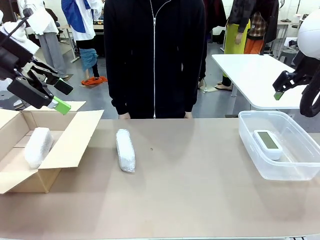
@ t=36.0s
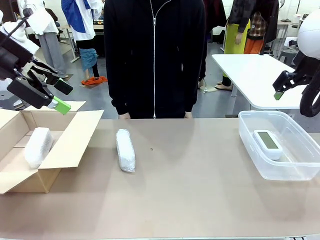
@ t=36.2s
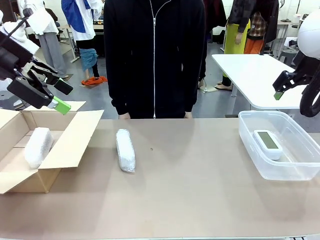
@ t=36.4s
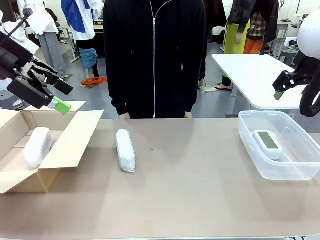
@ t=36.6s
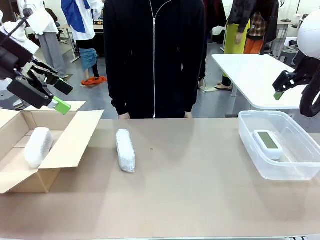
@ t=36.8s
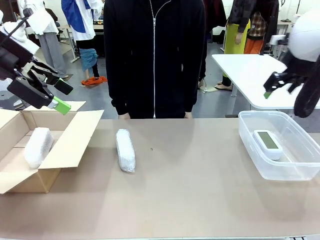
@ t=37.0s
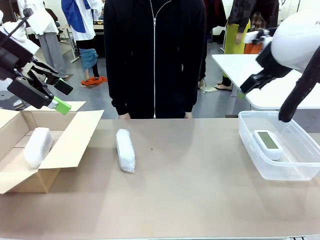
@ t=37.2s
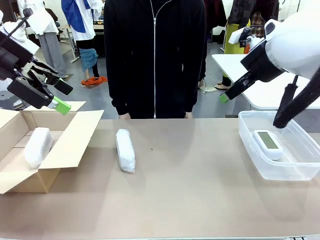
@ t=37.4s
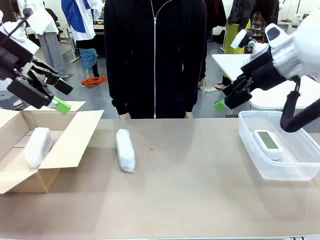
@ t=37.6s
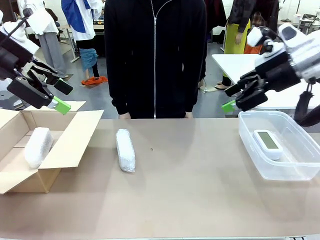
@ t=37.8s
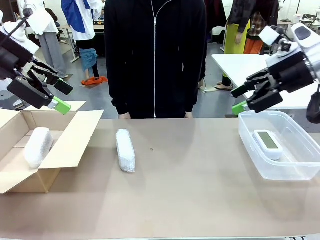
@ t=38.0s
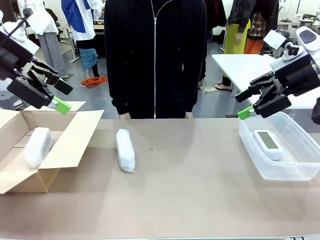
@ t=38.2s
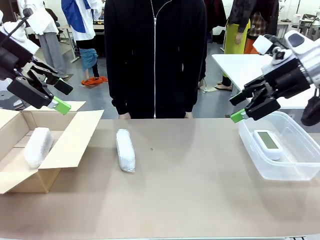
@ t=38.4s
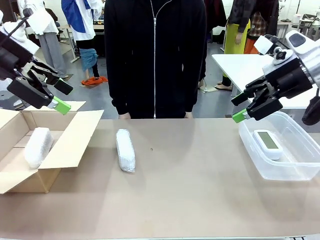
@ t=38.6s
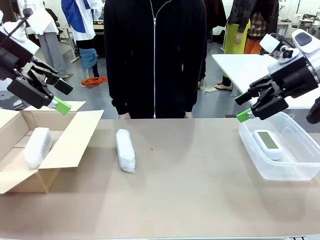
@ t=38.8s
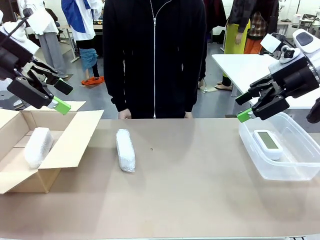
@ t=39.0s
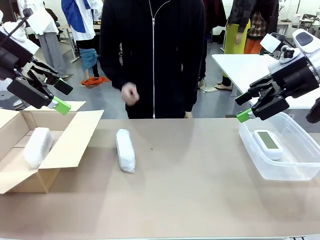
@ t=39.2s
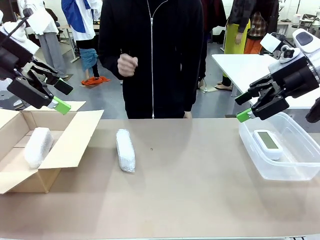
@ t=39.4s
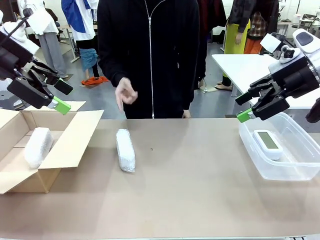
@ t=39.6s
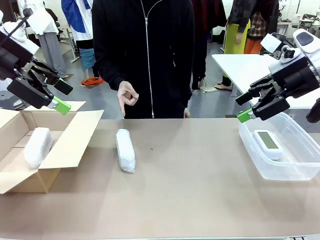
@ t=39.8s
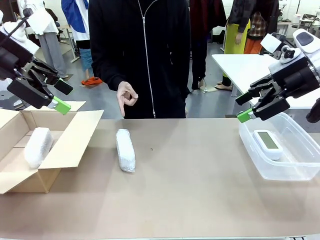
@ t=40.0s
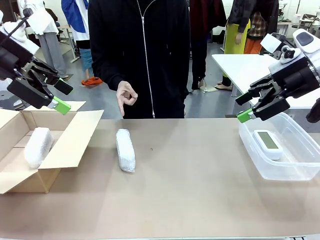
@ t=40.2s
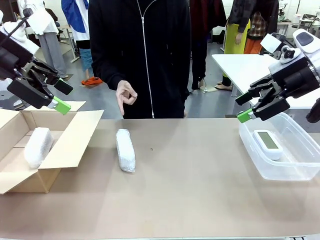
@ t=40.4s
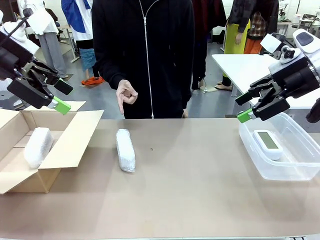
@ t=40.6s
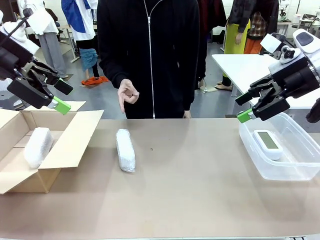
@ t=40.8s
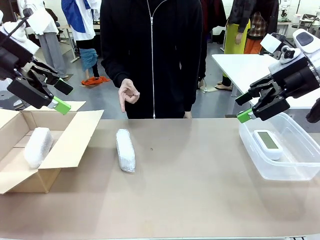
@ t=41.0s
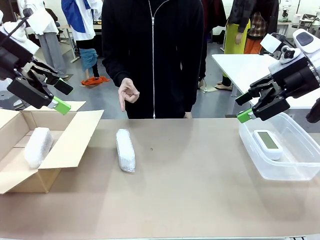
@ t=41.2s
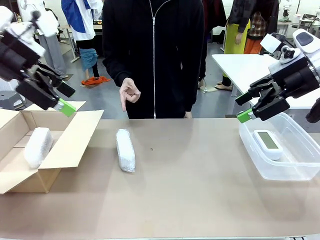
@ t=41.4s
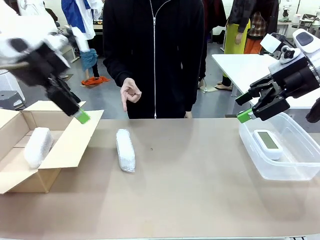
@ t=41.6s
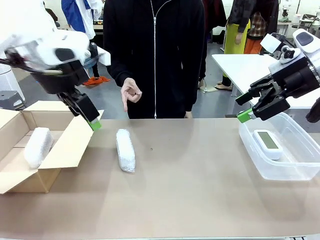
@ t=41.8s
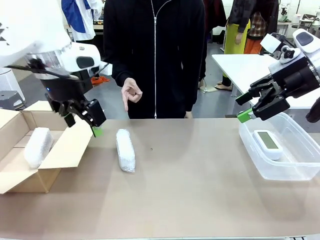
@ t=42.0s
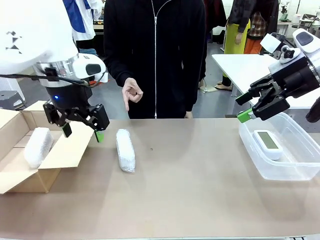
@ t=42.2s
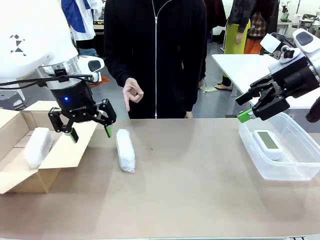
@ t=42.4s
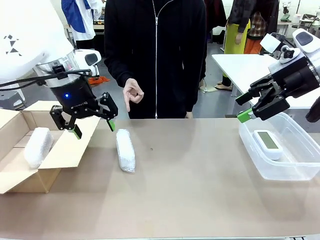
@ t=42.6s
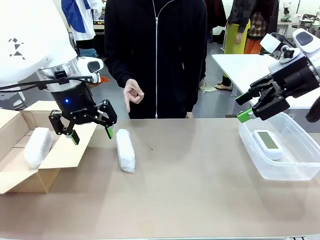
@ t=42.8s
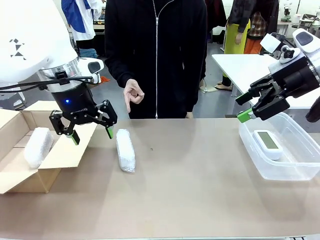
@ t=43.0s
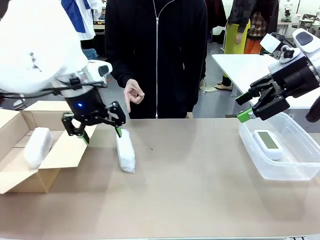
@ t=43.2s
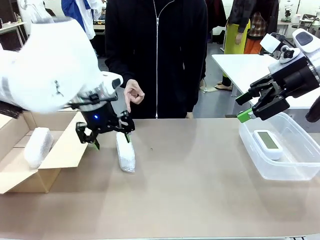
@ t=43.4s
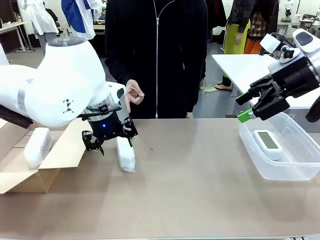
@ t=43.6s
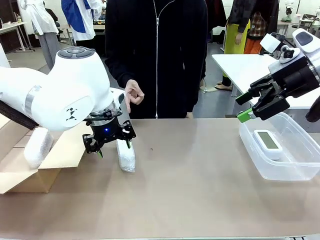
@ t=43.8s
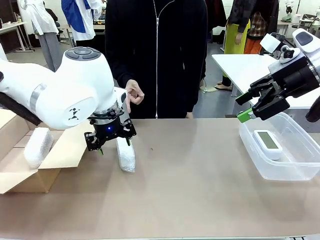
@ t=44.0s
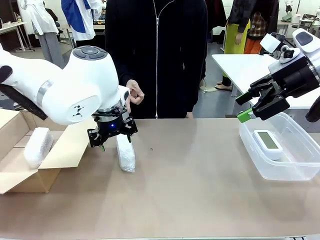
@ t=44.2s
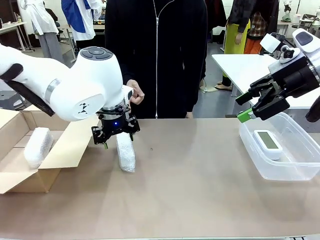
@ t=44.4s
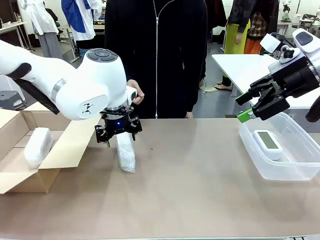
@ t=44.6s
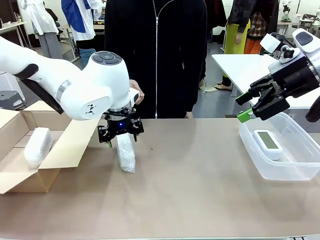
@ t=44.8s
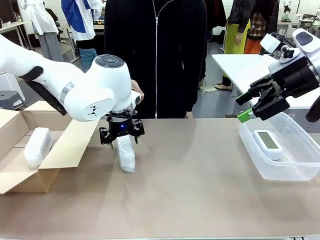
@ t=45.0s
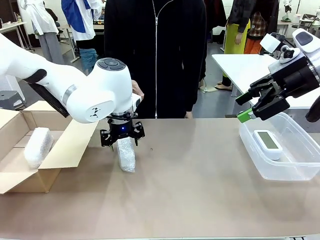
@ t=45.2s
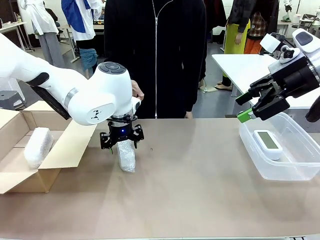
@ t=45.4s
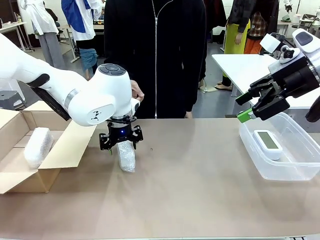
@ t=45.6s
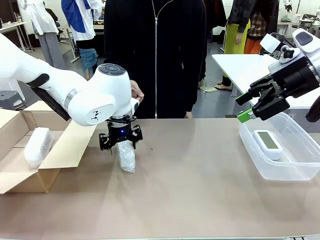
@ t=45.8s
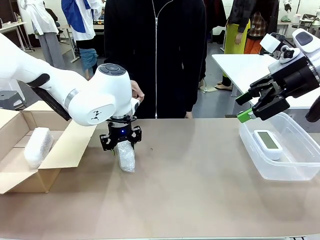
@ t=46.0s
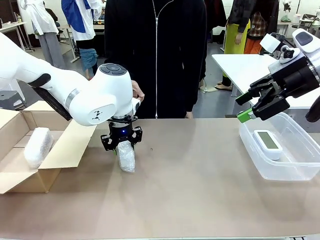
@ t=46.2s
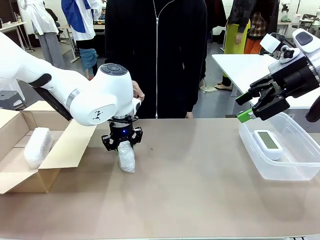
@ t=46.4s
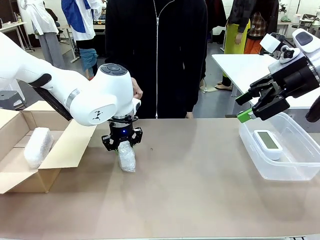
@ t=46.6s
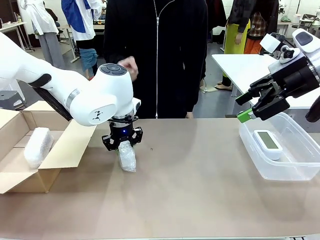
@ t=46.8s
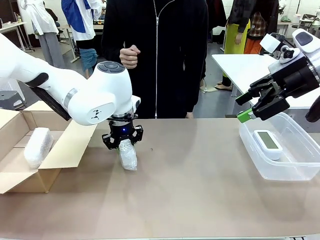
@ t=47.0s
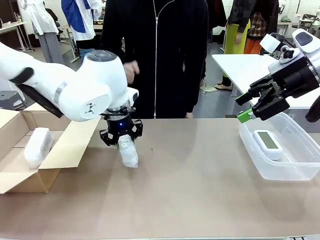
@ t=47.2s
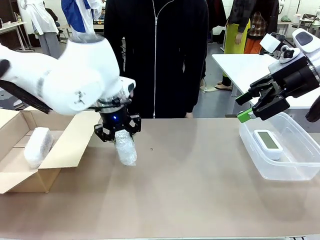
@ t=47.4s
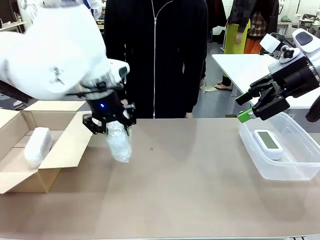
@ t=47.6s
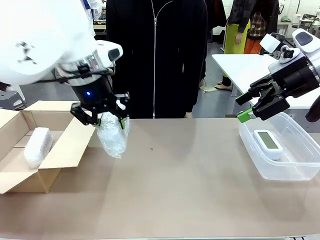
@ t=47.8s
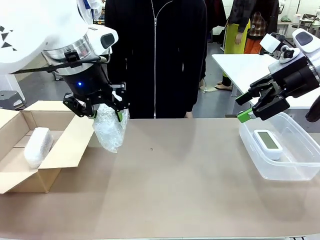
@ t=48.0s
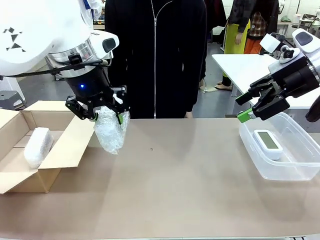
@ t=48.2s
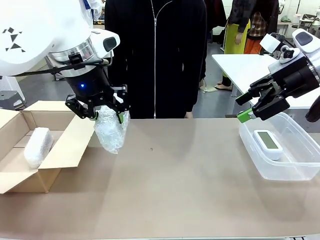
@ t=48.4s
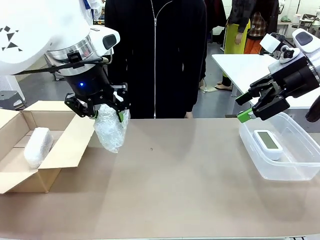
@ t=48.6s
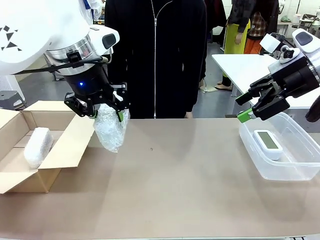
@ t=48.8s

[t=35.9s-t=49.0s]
Task: Separate and place wrapped and unwrapped clocks.
Robot: Pick up the Digital clock indicated by the person.

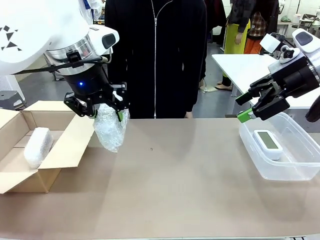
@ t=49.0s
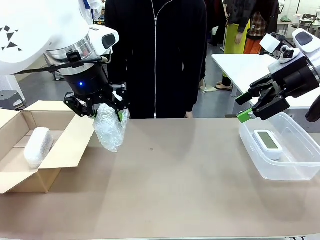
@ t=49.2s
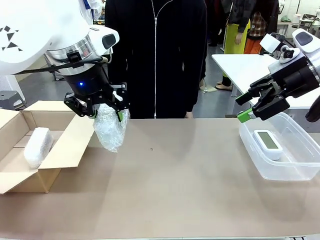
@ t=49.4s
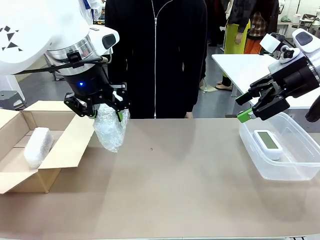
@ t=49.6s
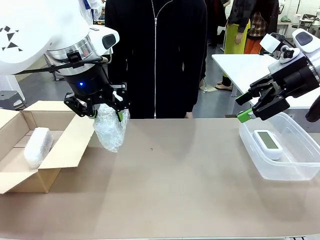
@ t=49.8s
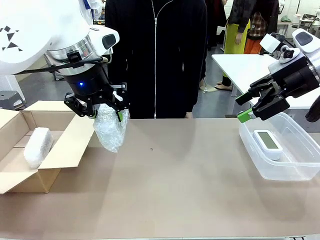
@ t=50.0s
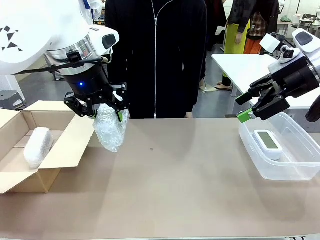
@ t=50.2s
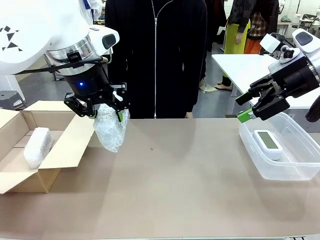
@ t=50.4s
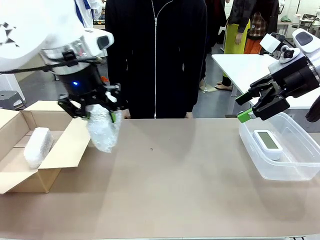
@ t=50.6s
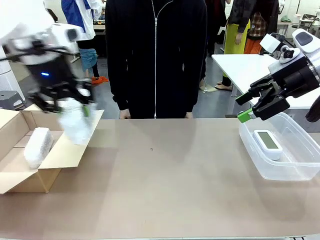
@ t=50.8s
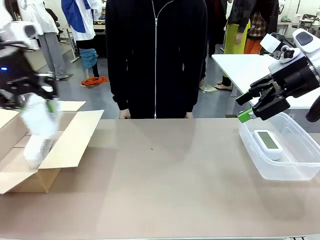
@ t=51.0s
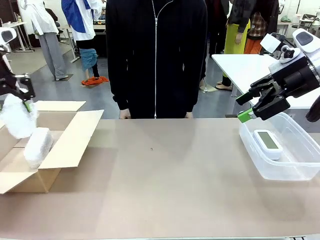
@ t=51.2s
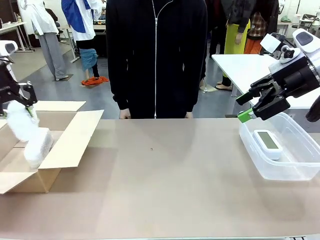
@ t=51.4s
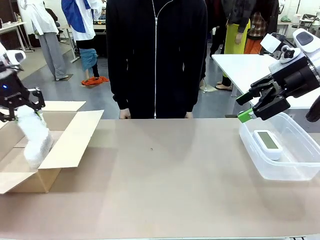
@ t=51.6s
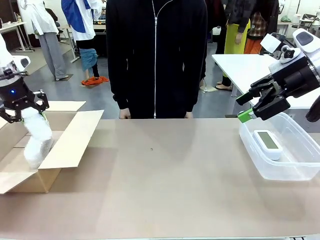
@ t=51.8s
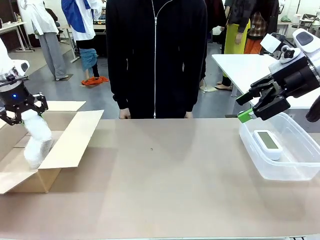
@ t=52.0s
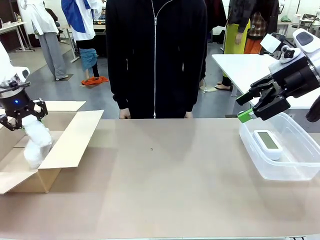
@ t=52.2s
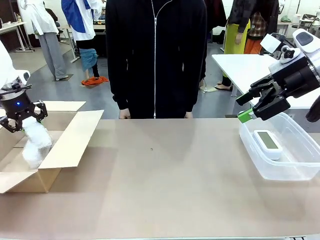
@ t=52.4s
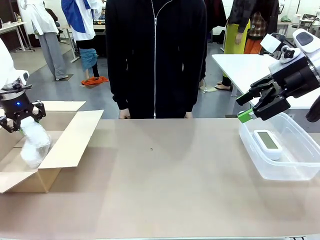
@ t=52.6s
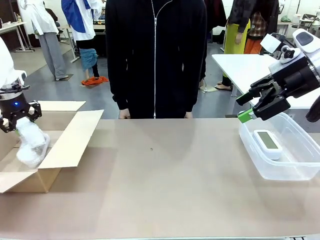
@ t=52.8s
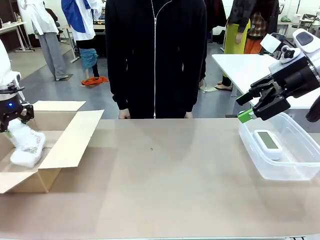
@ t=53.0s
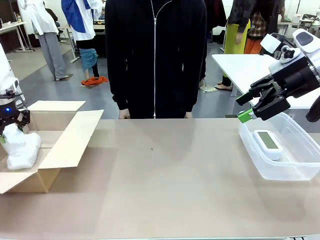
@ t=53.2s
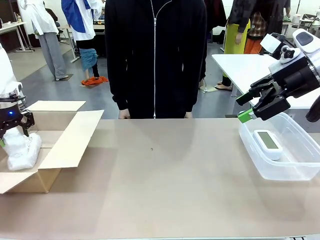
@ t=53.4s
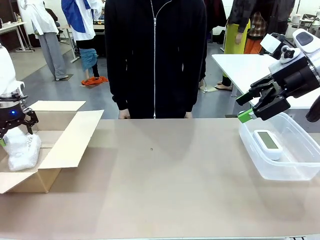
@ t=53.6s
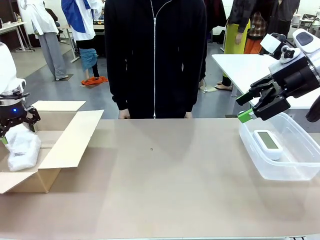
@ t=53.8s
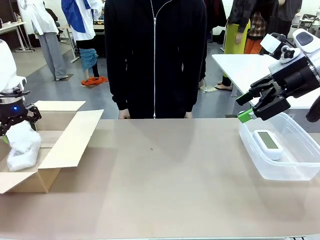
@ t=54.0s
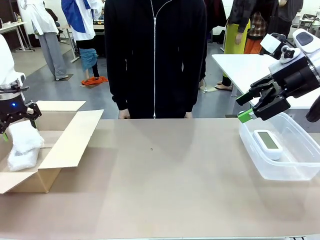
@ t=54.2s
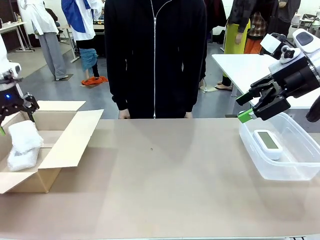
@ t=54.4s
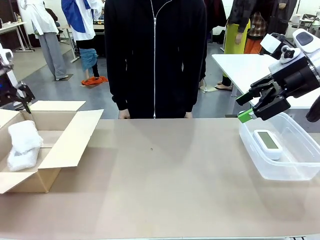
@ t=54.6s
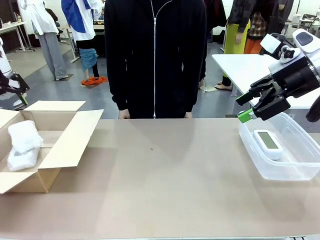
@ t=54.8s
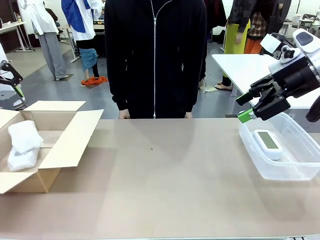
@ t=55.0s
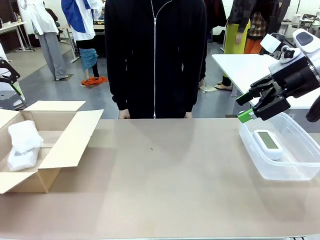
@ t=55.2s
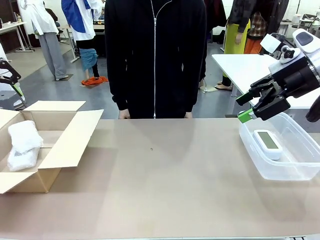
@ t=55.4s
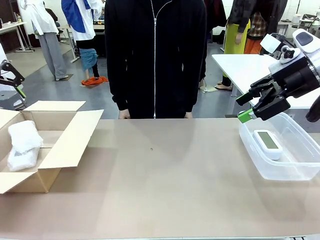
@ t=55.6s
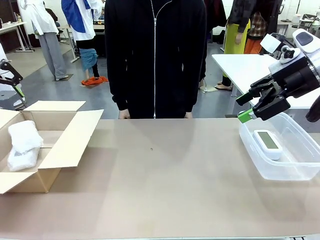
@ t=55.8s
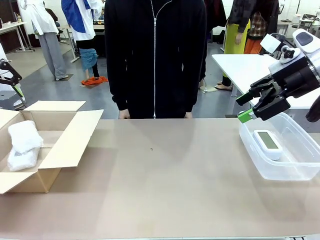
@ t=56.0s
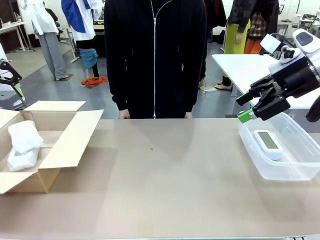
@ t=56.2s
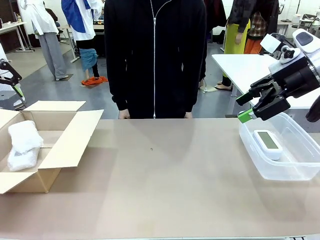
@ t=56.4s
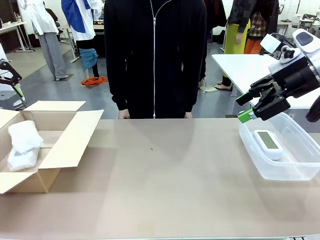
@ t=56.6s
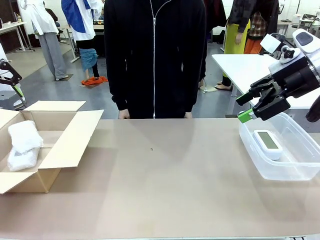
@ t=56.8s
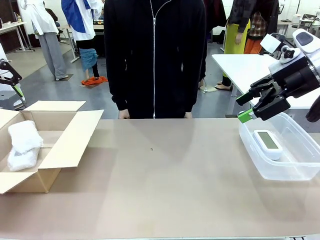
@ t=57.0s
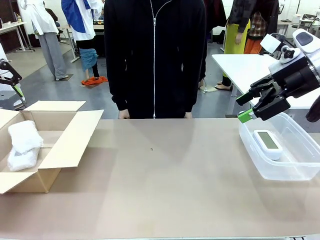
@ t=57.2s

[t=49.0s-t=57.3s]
Robot: If the picked Digital clock is wrapped, place it in the Package Box ; if not, place it in the Organizing box.
